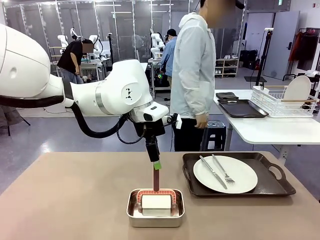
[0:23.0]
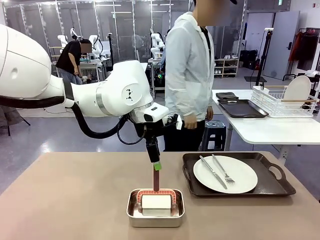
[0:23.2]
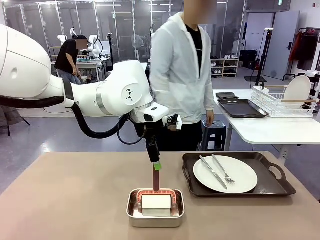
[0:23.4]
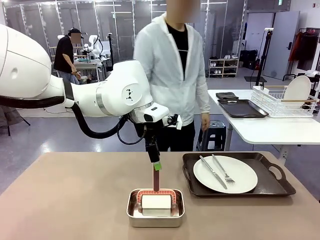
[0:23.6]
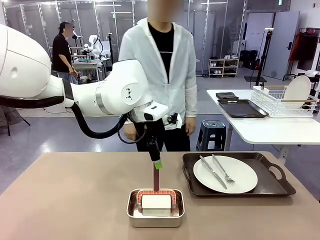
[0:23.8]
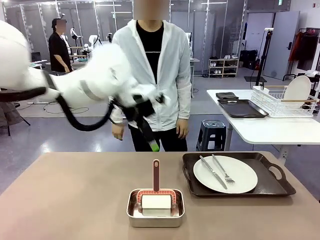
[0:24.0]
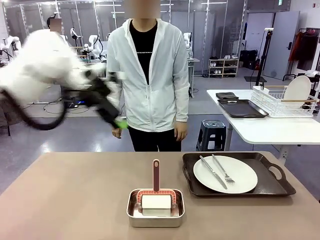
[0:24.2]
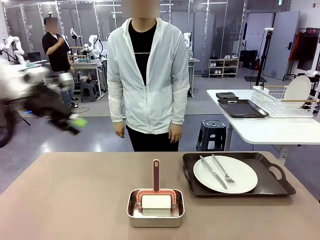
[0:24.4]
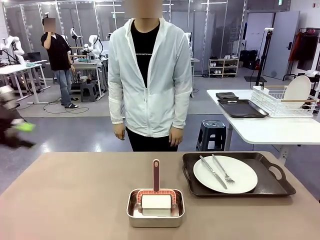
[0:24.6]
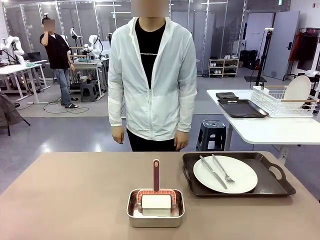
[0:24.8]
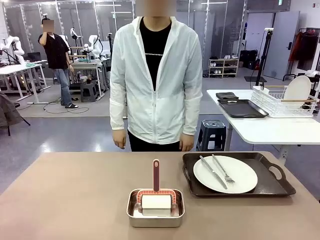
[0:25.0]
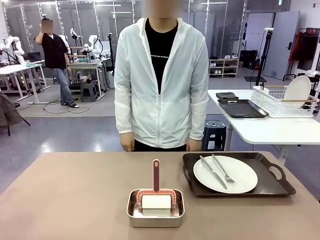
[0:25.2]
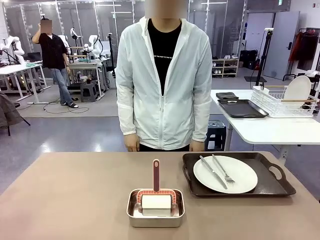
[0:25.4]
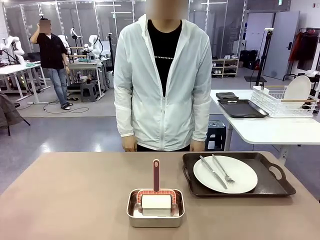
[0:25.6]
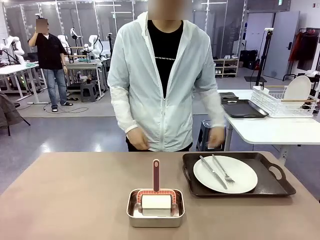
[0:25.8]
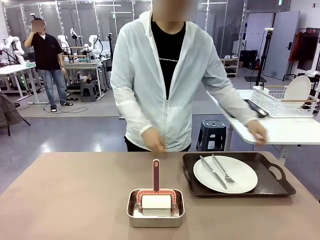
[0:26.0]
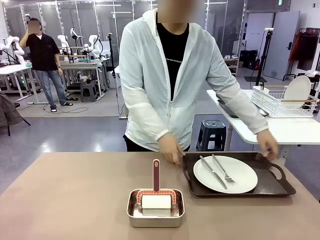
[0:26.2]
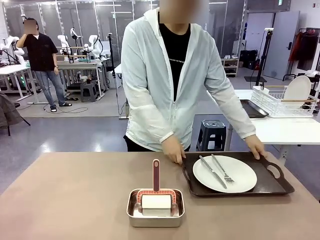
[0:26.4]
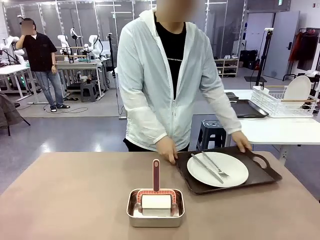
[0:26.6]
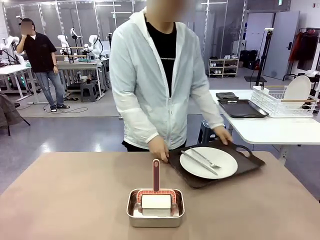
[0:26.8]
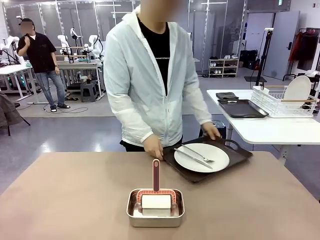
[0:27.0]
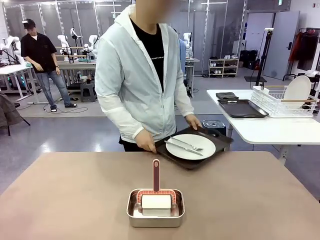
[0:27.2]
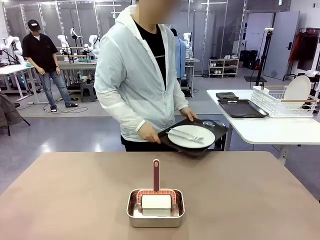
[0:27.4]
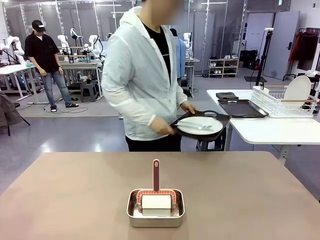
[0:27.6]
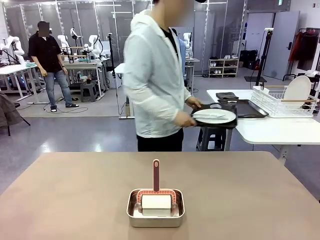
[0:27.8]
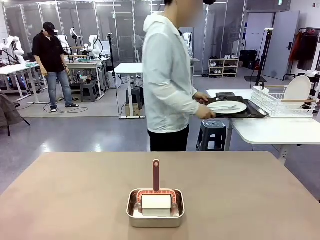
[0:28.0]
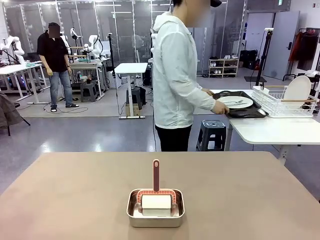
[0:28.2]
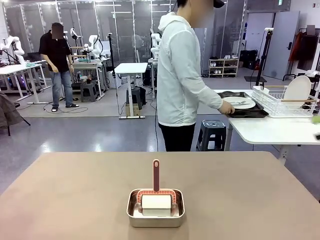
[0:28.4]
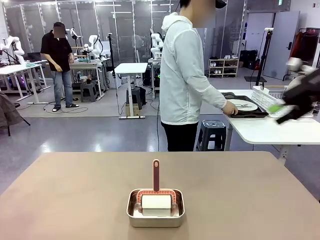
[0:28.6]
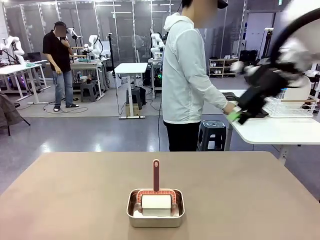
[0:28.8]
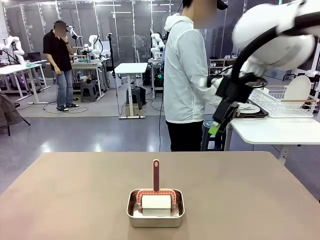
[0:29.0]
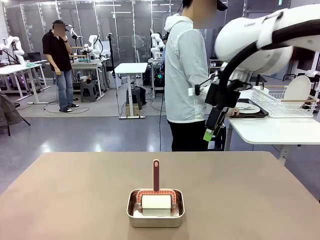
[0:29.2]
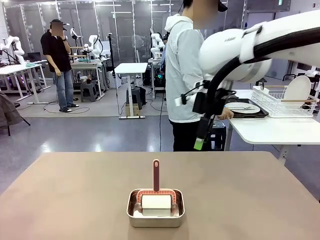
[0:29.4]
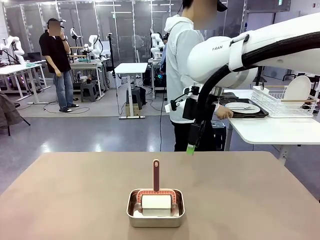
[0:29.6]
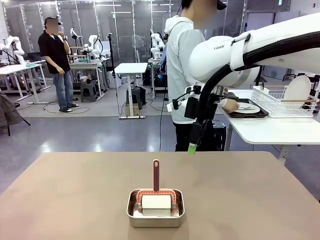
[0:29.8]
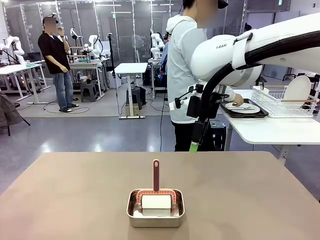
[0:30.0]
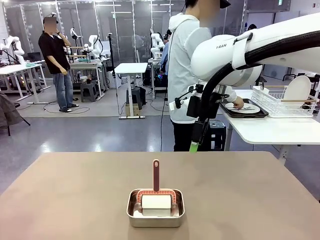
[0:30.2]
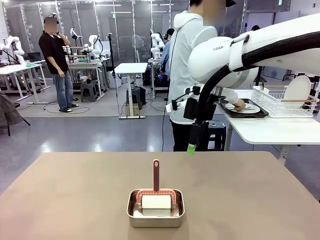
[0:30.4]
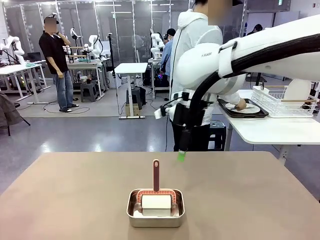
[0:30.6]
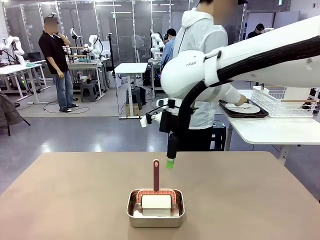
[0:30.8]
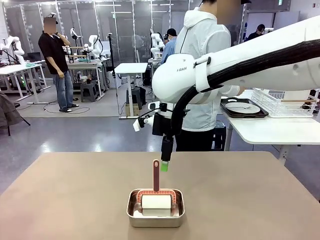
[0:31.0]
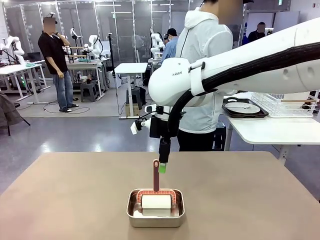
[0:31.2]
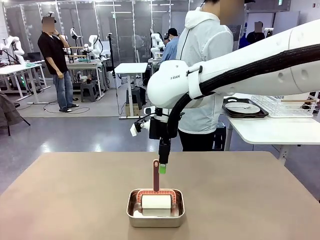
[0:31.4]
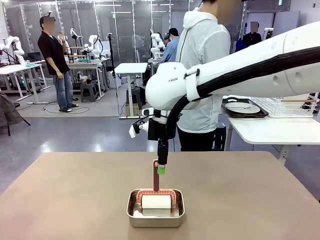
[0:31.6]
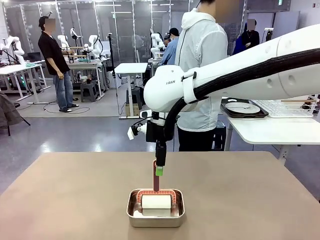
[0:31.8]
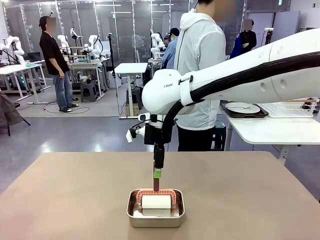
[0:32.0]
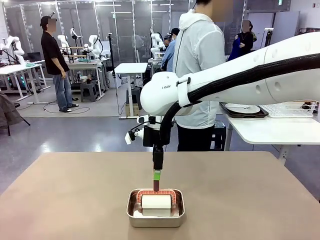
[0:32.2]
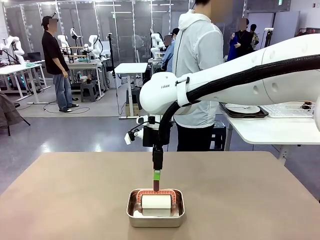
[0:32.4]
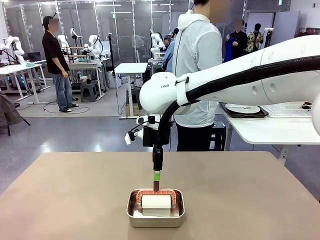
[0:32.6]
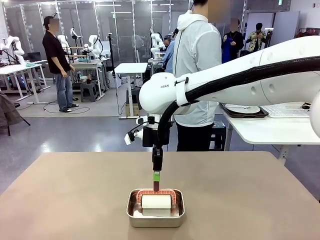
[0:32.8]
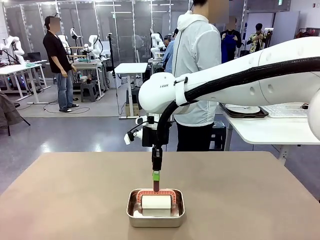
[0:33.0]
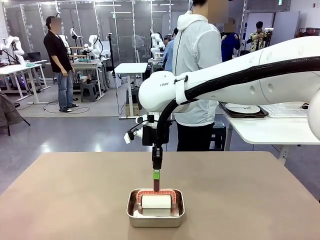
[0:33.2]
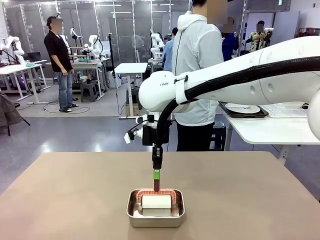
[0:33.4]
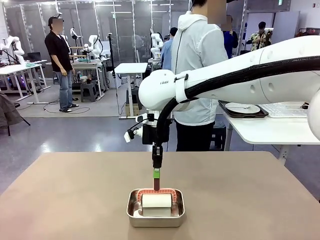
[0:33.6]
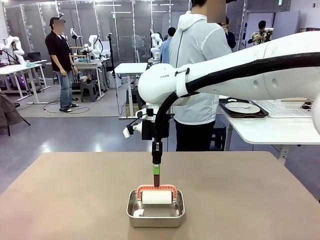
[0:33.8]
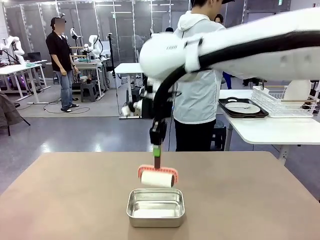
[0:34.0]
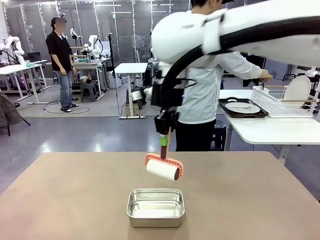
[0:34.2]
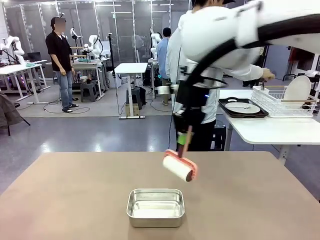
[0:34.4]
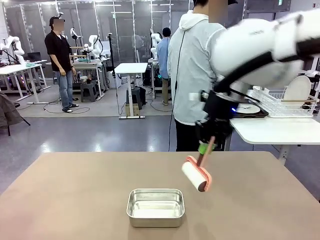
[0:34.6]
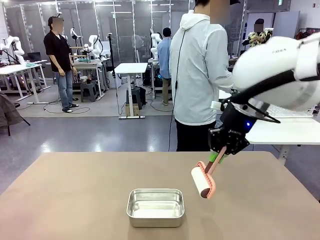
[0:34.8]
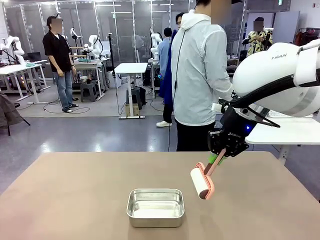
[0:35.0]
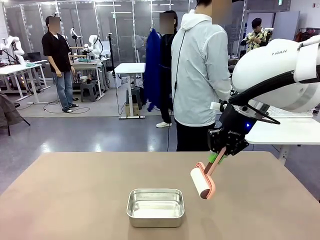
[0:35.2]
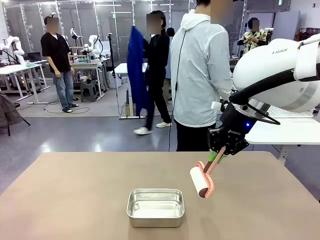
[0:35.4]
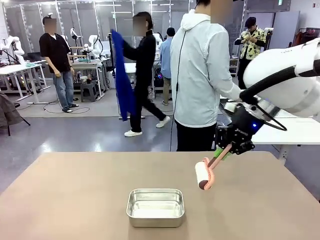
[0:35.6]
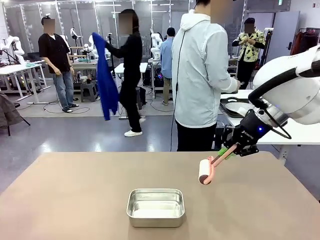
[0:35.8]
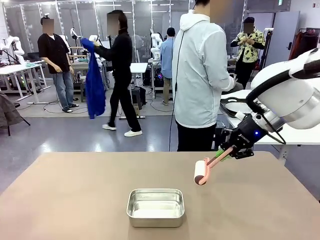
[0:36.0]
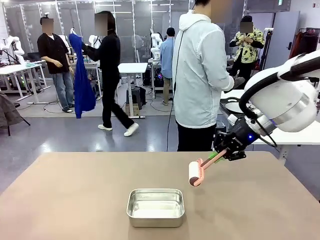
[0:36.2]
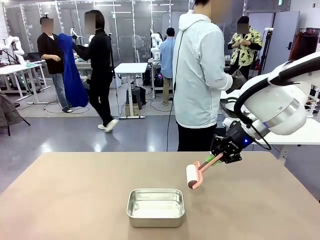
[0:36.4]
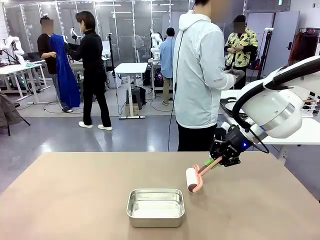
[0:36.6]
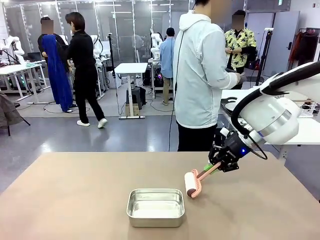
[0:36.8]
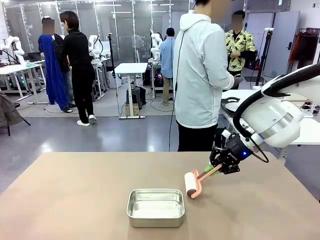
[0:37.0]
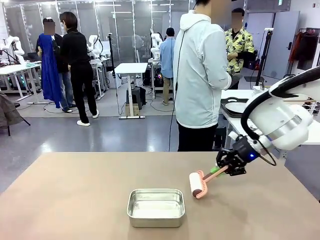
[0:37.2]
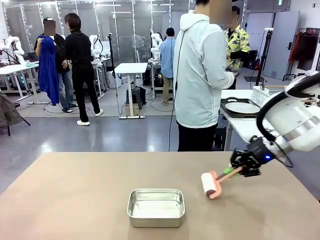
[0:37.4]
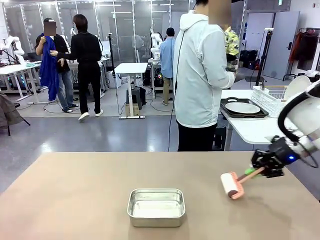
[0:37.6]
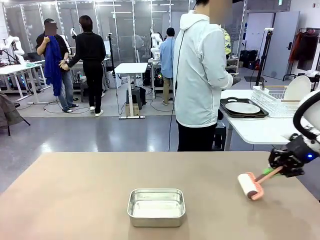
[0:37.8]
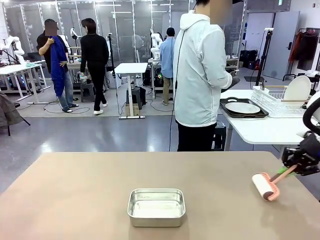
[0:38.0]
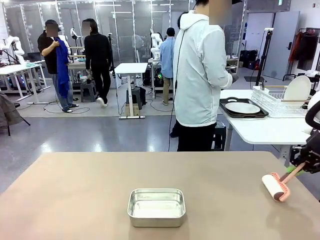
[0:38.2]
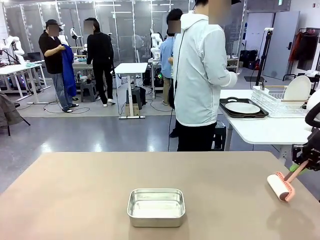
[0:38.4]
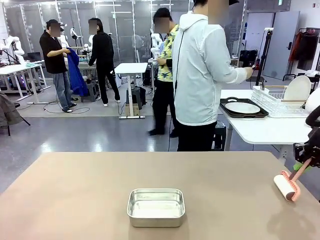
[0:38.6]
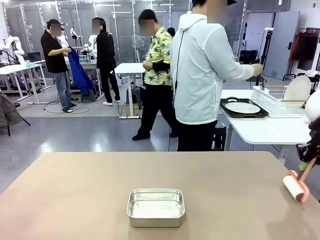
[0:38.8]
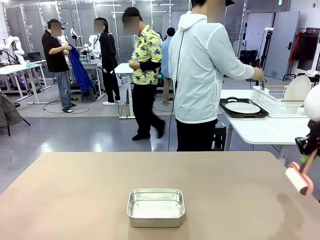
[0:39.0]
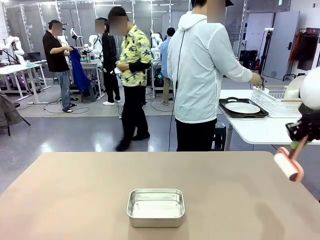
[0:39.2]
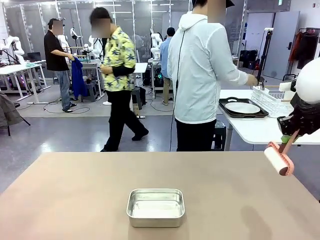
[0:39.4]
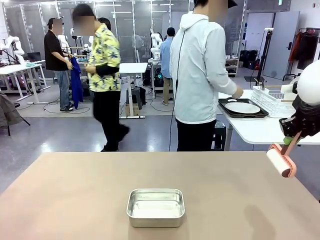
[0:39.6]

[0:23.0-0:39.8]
Robot: When the right (or left) Handle tray is removed, use the right hand (or left hand) to clean the right (or left) side of the table with the Lint Roller.
Person: Pick up the left (or right) Handle tray and place it on the Handle tray.
